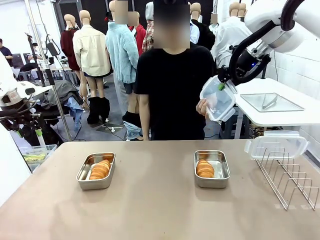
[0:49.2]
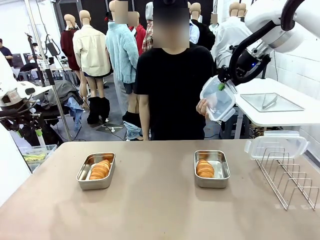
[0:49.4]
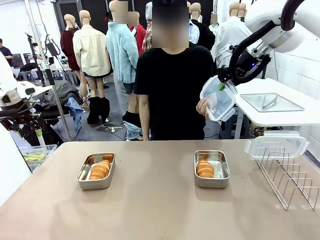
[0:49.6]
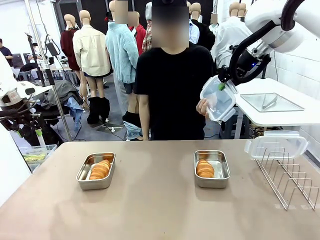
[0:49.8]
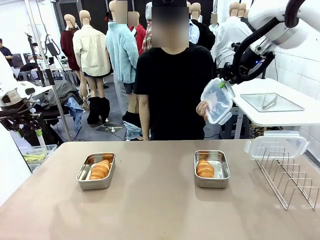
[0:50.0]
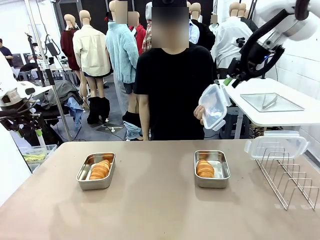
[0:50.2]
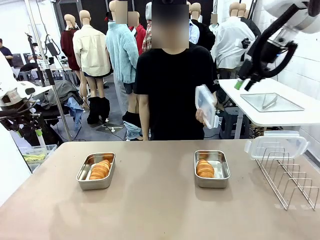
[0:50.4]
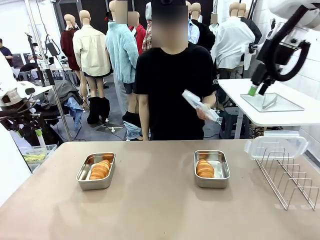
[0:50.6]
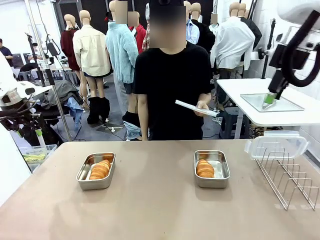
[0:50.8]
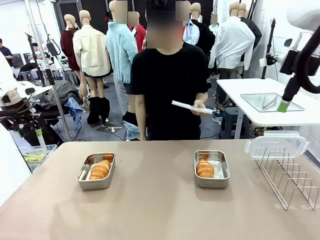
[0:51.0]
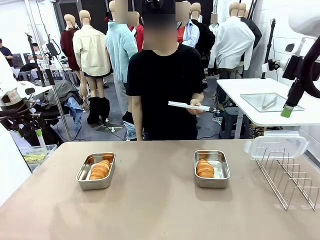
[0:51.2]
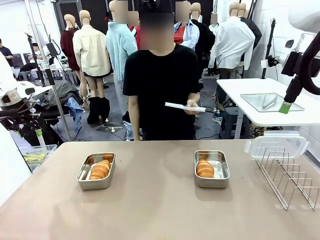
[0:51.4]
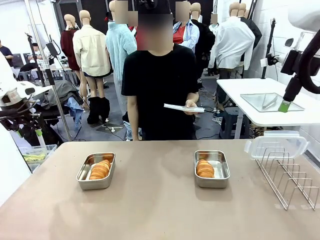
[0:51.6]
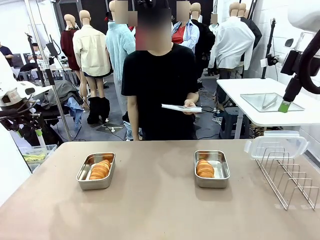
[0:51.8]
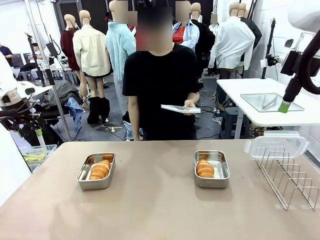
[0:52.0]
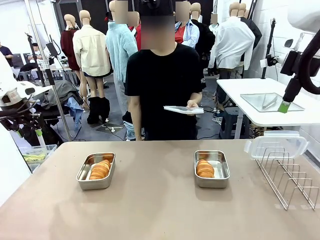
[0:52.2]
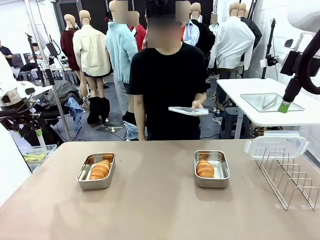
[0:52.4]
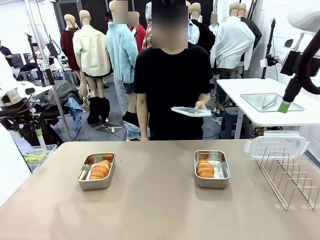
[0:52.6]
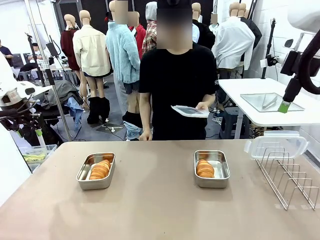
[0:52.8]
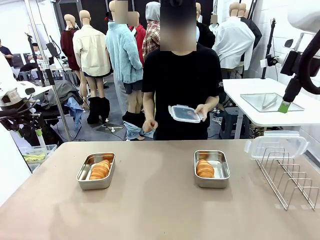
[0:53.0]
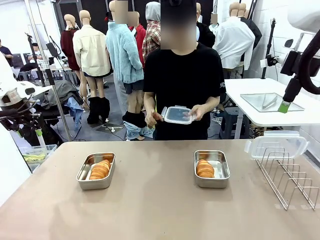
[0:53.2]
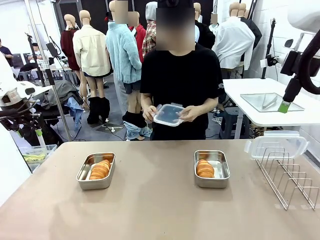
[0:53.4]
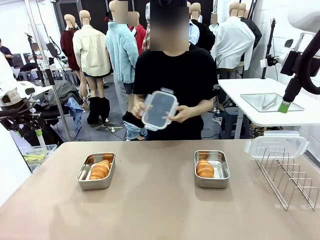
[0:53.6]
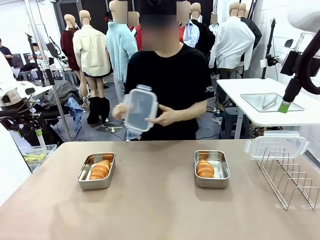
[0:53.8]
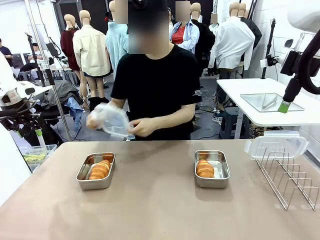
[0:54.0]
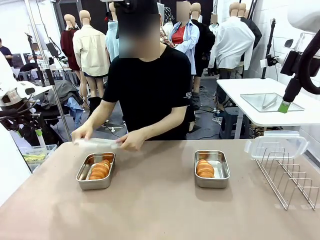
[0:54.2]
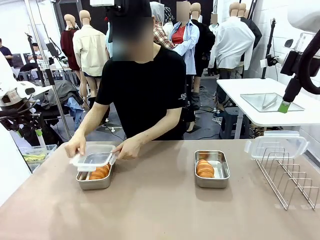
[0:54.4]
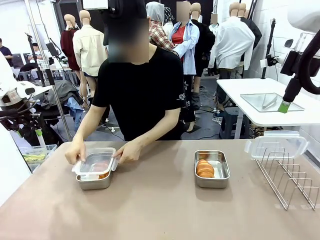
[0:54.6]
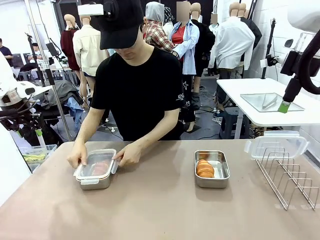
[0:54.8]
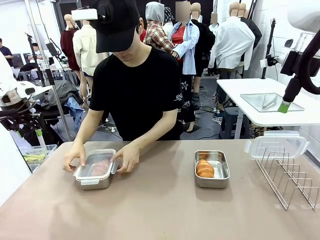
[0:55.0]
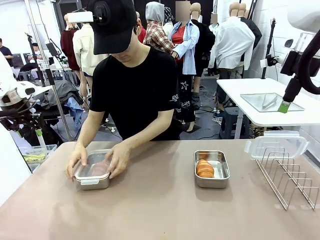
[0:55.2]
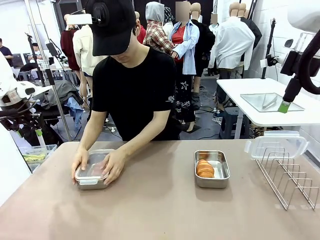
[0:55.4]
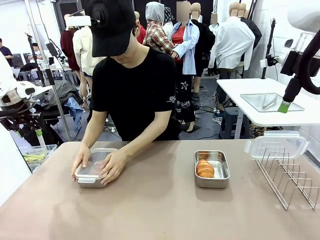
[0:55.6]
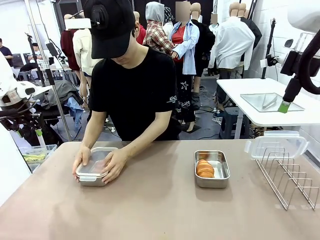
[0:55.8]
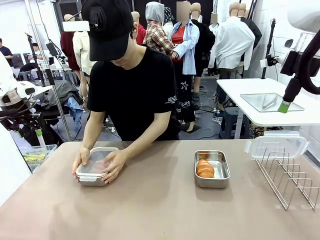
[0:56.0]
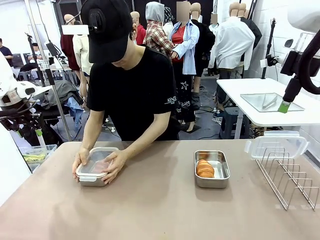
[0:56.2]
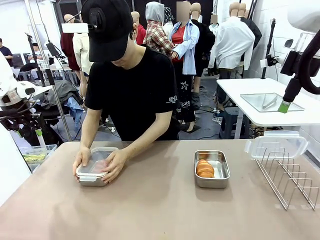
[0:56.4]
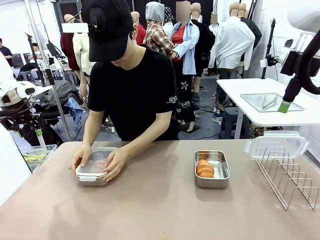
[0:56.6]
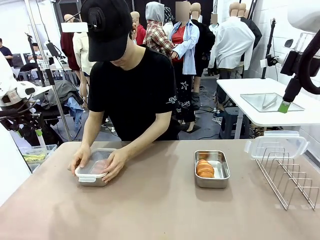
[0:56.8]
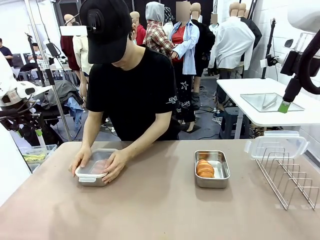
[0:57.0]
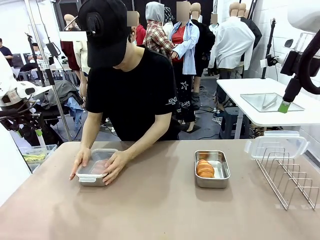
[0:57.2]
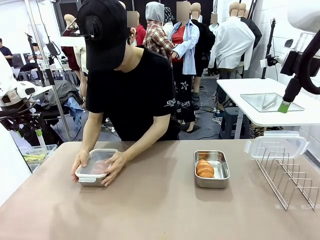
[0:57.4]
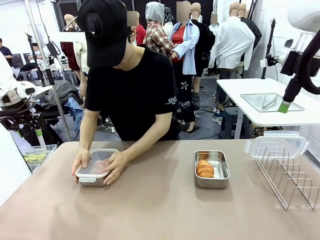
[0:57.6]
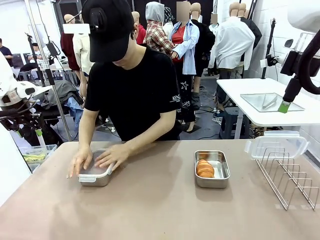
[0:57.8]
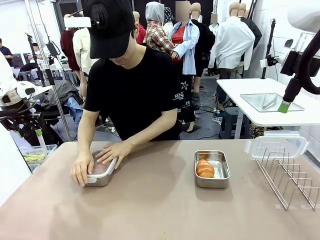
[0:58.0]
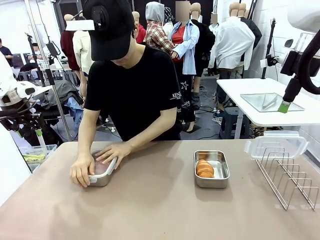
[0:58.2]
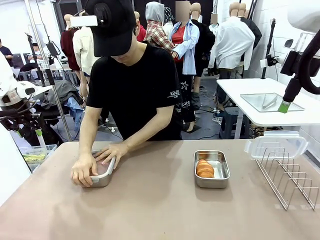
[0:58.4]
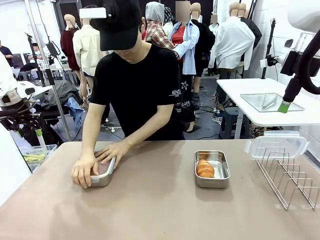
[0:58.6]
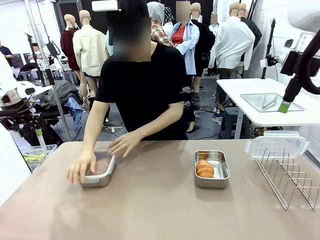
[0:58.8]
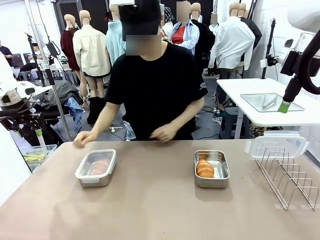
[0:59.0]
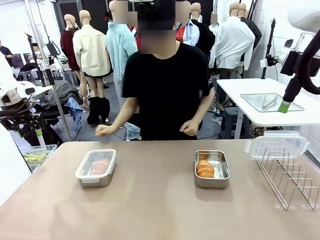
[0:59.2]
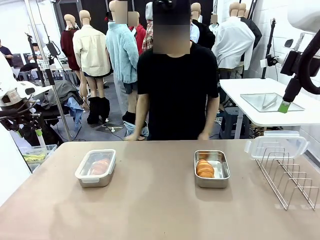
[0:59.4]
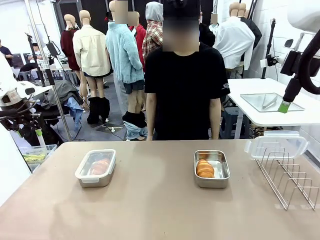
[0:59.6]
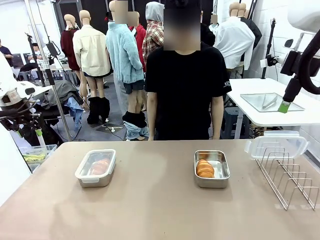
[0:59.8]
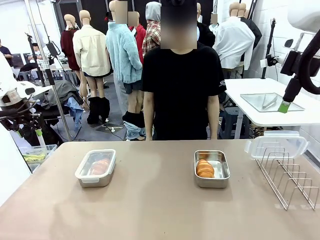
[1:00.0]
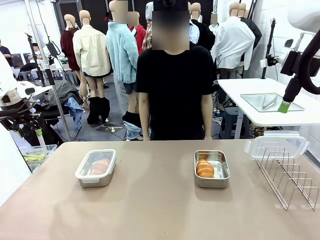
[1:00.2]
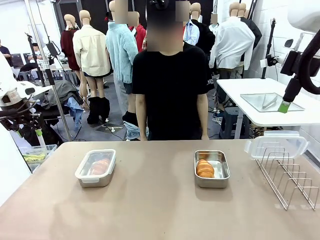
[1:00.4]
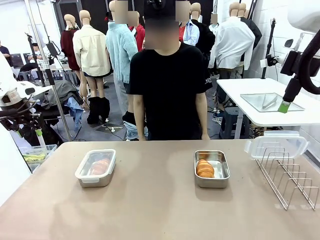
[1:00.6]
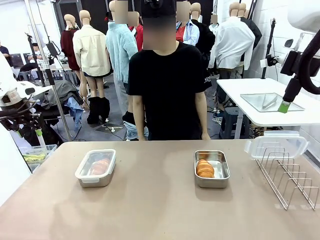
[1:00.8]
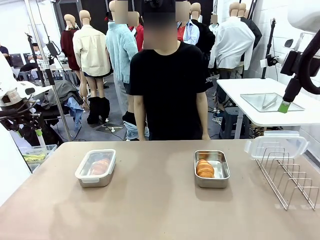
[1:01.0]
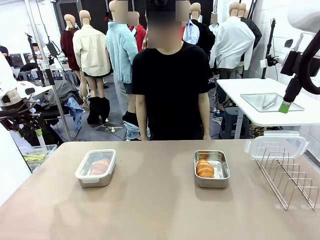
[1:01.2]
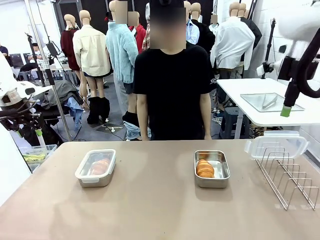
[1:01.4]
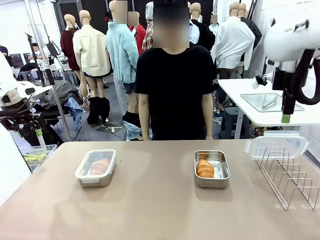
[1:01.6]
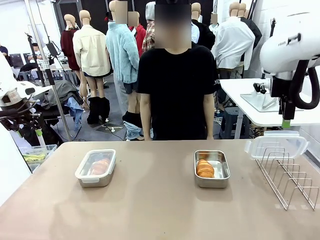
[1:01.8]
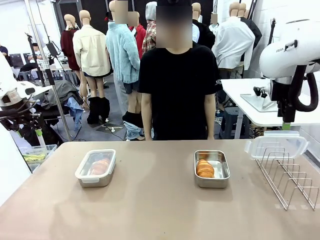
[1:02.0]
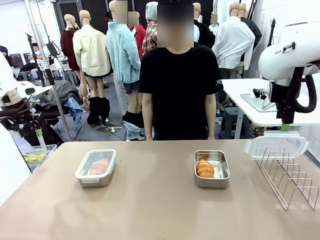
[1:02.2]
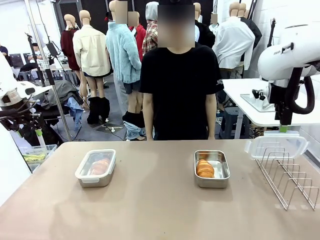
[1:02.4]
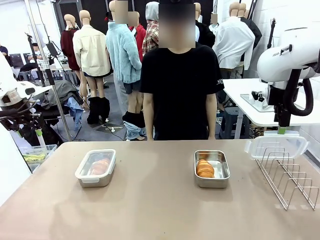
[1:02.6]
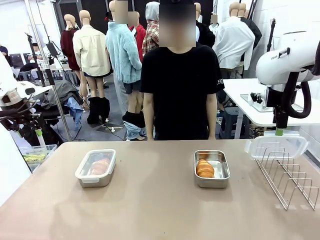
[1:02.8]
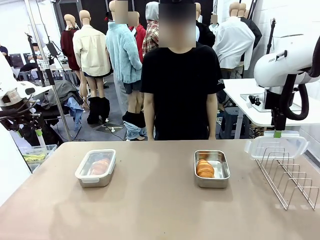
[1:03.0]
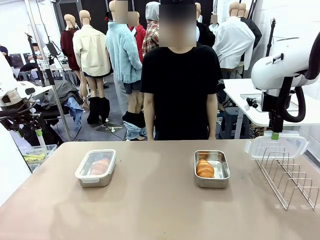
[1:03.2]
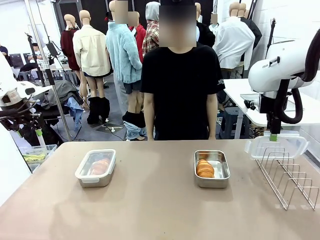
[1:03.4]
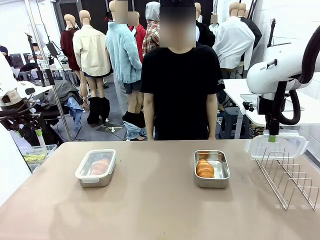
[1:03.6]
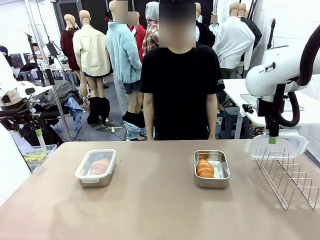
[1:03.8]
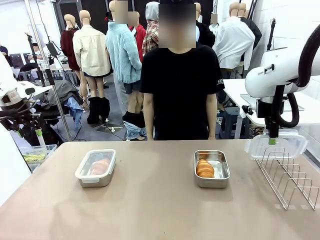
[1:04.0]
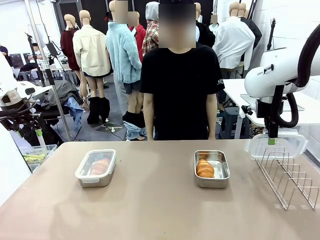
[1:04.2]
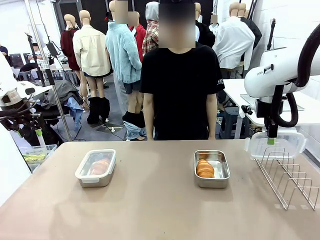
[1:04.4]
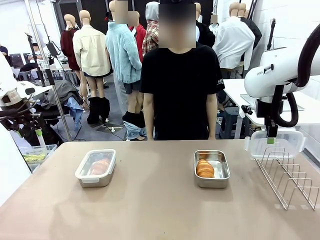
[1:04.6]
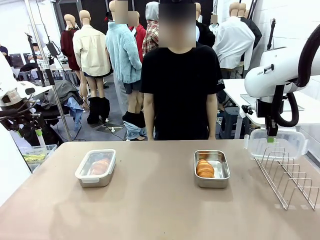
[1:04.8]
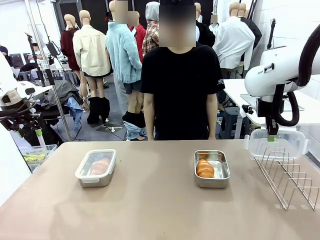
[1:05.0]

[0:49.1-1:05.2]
Task: Place the bread in airtight containers.
Robot: Pick up one Airtight Container lid and hand it to the human.
Person: Close Airtight Container with a handed Airtight Container lid.
